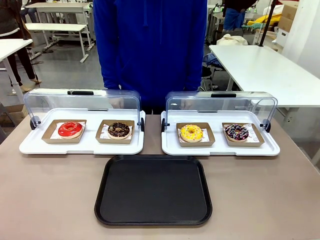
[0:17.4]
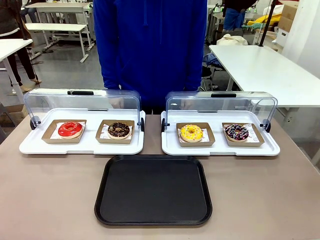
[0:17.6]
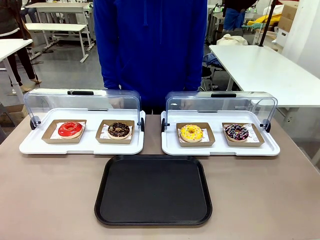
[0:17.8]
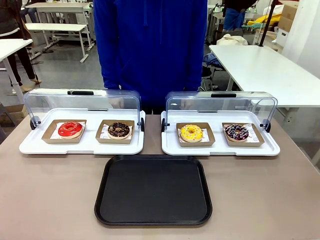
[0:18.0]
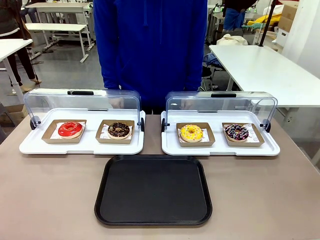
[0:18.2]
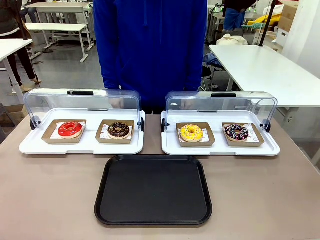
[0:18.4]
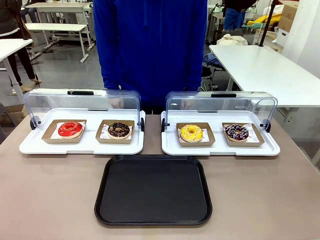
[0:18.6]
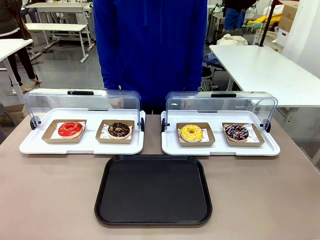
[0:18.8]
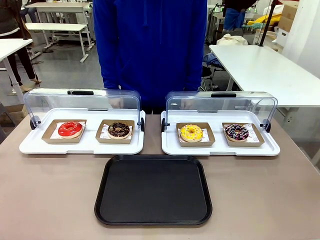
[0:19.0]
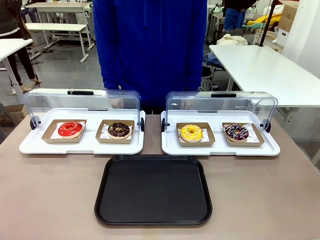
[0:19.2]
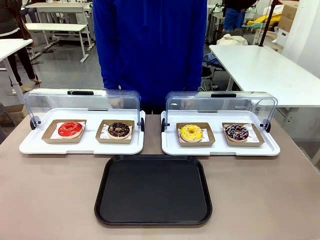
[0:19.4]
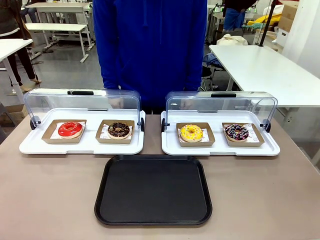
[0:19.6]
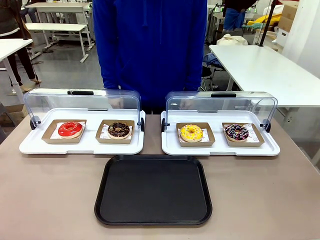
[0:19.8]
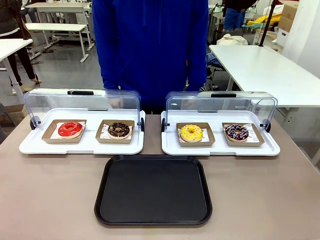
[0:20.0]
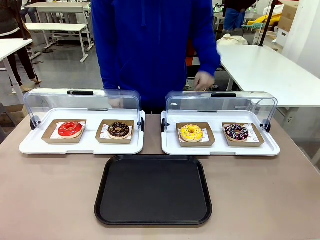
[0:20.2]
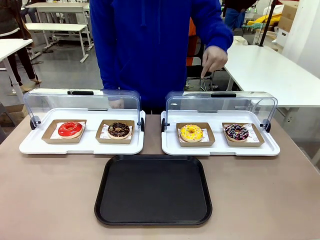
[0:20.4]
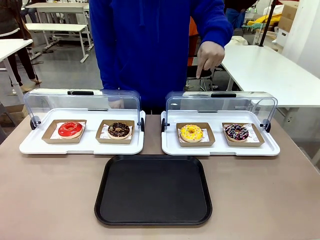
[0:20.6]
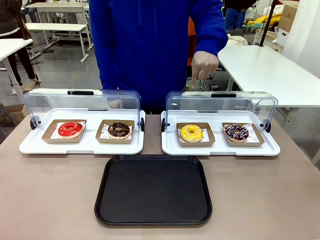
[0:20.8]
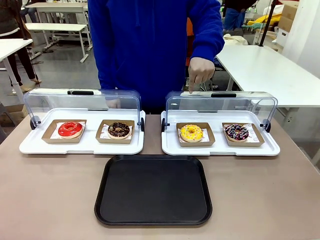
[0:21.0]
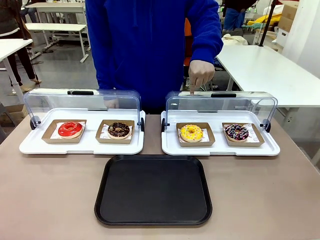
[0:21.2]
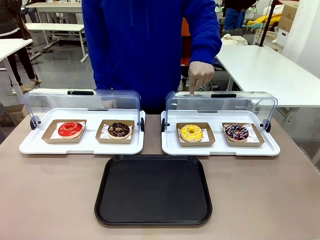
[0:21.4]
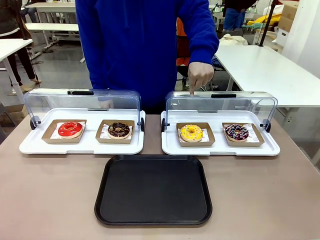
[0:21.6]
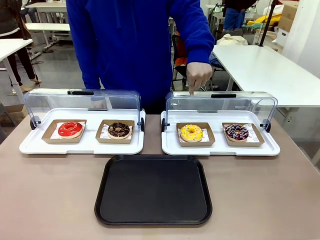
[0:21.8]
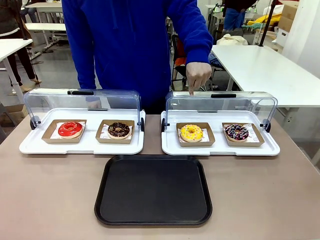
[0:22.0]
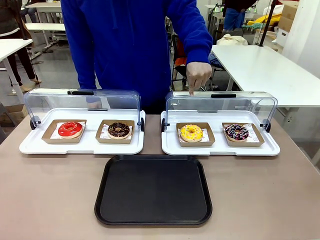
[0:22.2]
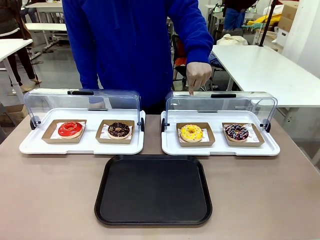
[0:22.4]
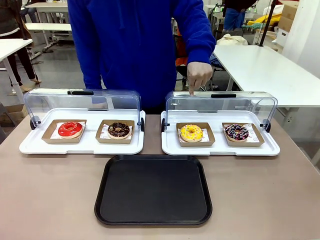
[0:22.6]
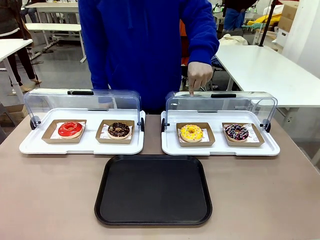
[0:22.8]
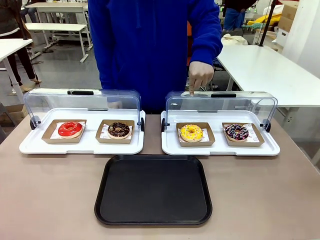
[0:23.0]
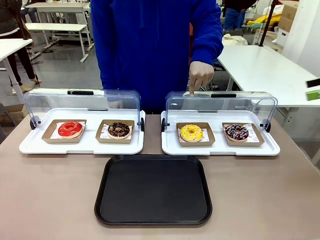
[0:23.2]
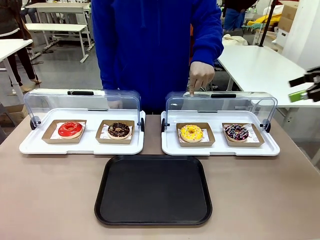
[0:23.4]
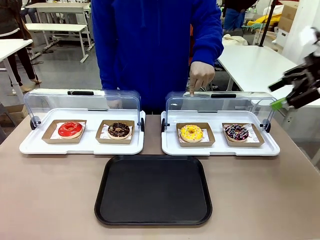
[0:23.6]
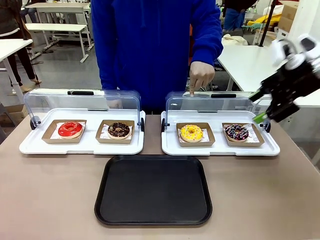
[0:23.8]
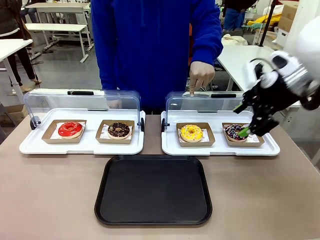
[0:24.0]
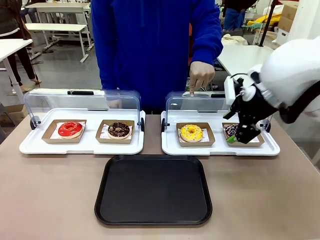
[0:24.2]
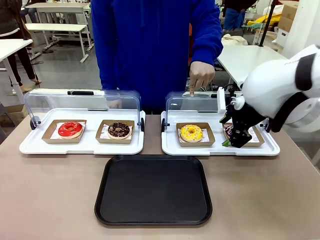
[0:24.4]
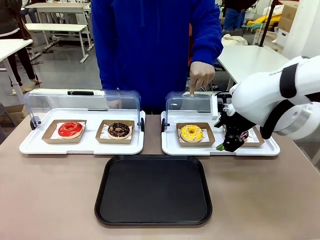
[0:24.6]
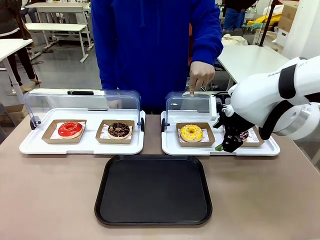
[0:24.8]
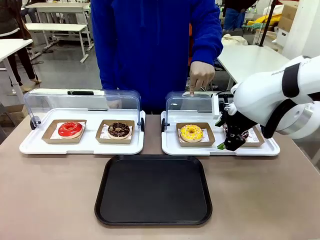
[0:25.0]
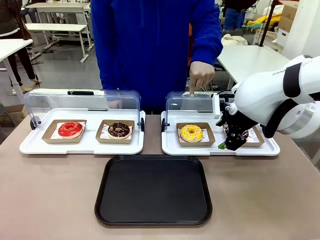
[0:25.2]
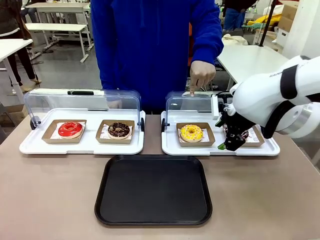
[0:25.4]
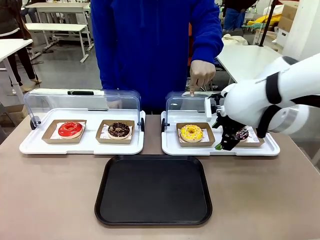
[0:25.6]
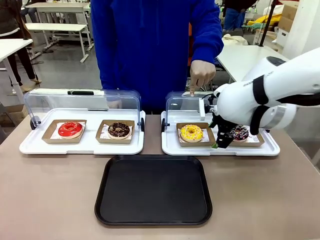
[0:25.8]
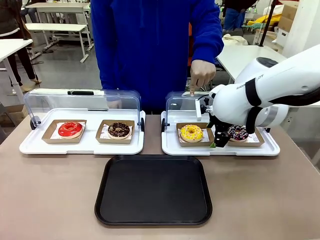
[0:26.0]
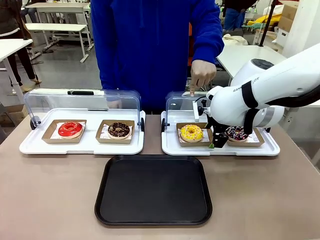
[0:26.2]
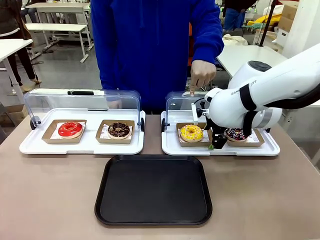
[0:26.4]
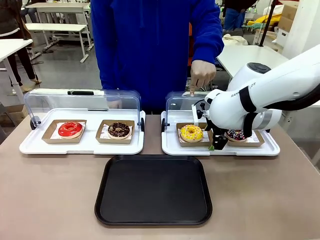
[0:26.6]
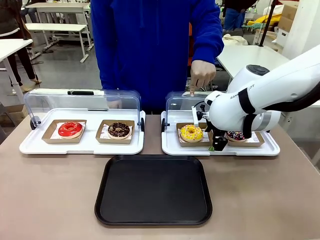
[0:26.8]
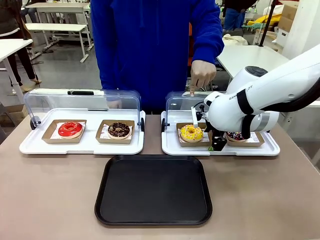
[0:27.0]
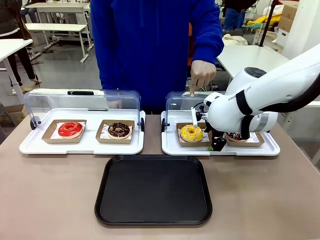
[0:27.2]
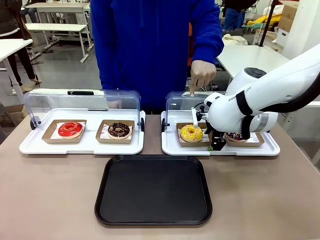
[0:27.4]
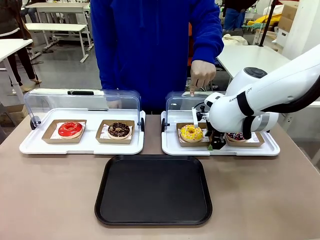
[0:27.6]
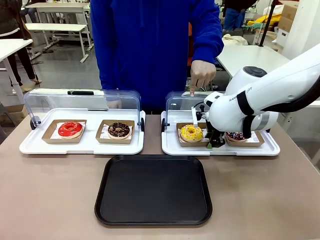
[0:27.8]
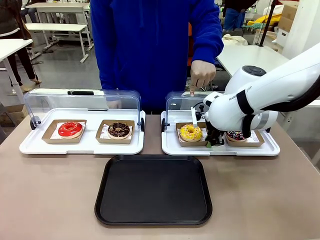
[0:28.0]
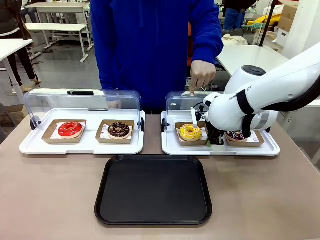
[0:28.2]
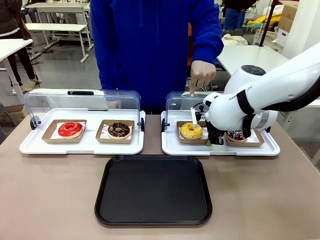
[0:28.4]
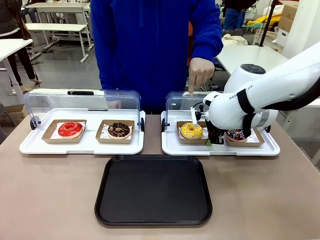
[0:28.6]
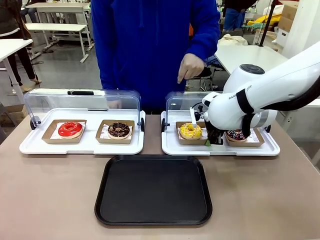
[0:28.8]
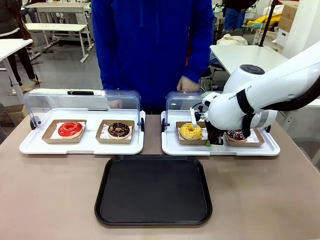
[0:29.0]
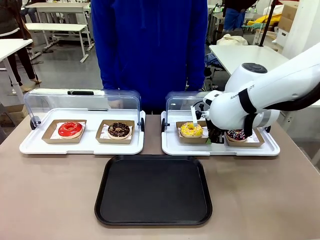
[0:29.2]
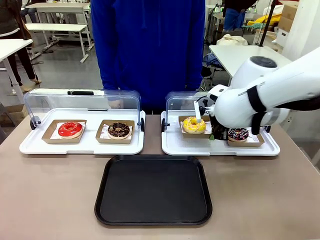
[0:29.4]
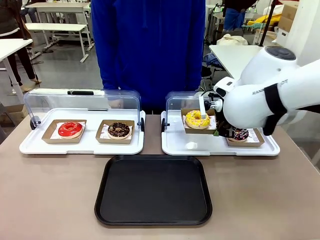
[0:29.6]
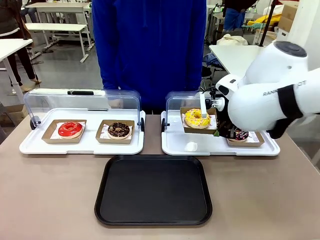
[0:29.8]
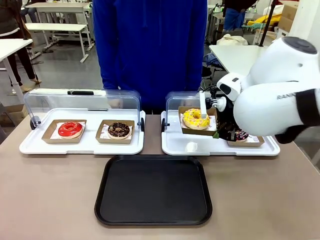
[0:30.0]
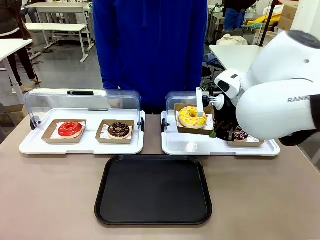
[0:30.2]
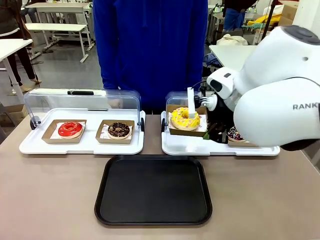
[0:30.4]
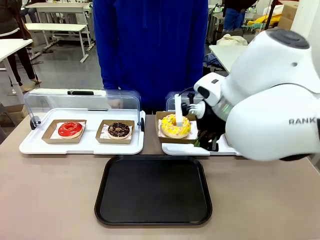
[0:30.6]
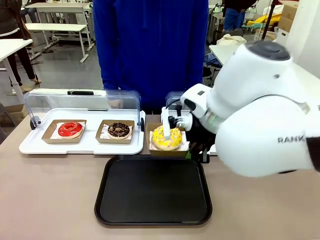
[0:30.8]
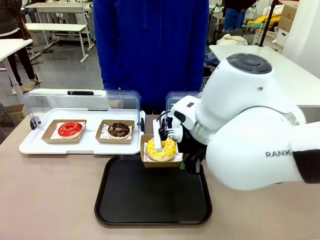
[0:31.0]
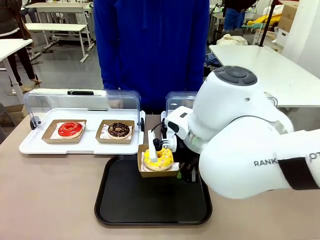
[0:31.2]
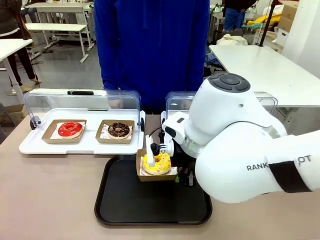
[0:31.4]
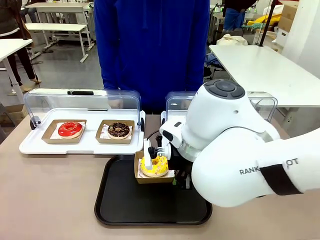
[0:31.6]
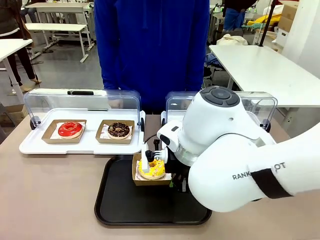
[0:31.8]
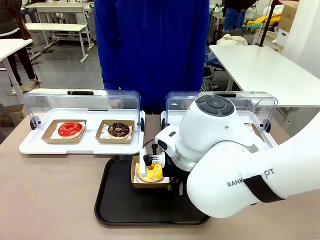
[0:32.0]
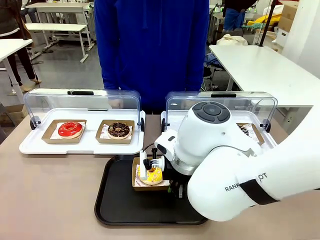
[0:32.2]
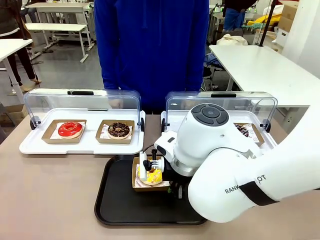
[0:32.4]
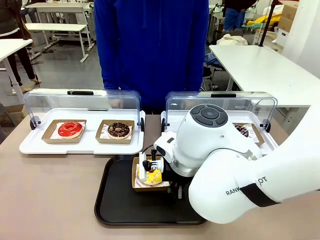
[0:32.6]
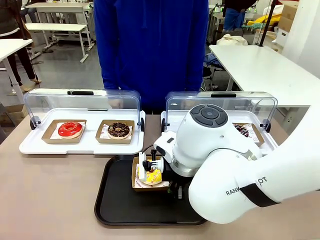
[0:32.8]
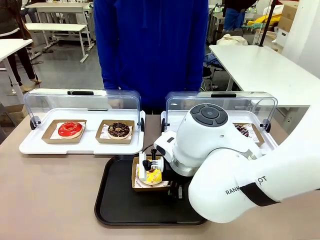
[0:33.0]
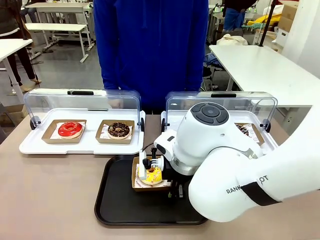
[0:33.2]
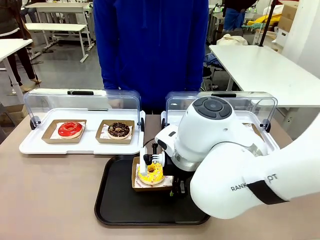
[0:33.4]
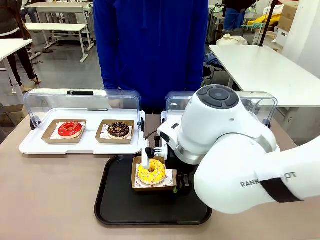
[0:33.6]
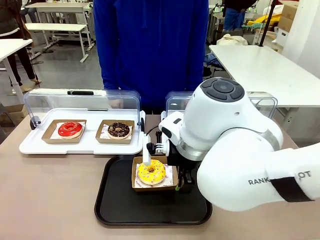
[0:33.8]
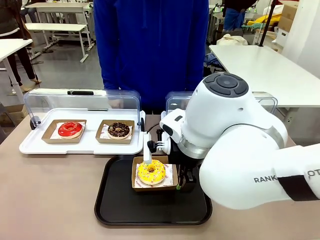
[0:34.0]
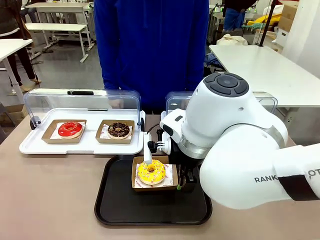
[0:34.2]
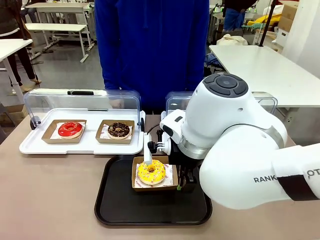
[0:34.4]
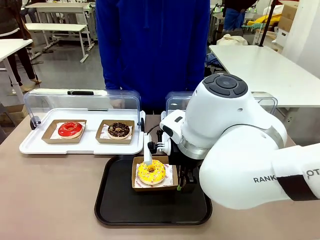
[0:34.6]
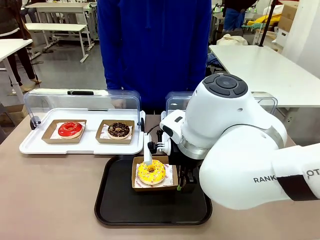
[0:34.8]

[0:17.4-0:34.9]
Task: Move the third donut from the left to the tray.
Robot: Pick up the Paper togo box containing the Donut indicated by the person and place it on the Handle tray.
Person: Points to the third donut from the left from the robot’s perspective.
